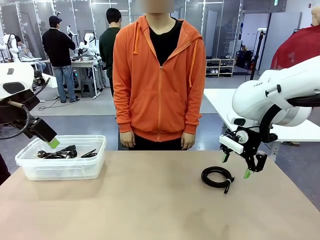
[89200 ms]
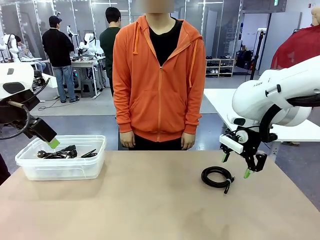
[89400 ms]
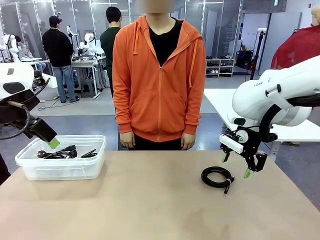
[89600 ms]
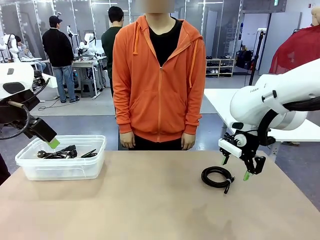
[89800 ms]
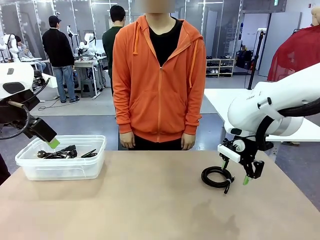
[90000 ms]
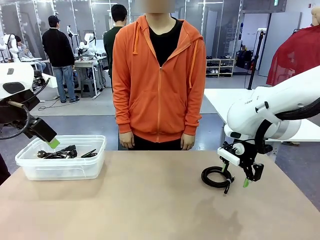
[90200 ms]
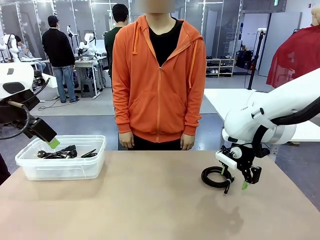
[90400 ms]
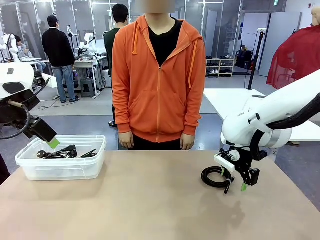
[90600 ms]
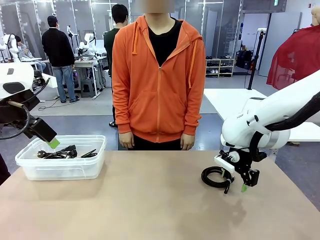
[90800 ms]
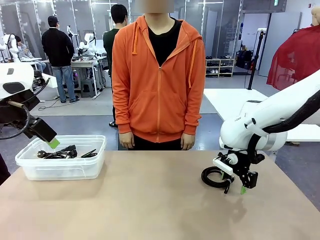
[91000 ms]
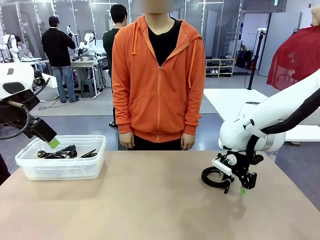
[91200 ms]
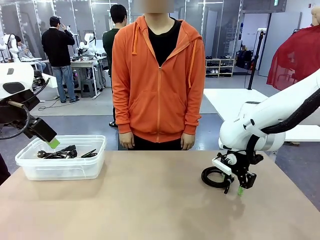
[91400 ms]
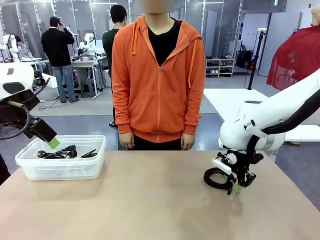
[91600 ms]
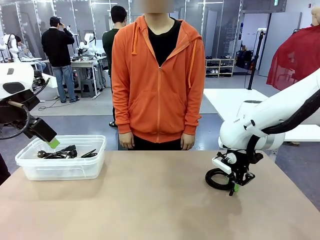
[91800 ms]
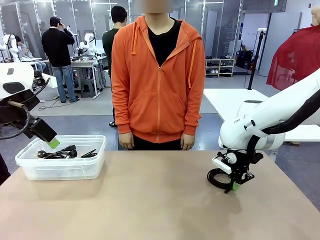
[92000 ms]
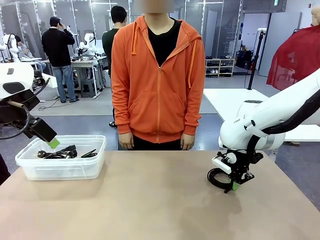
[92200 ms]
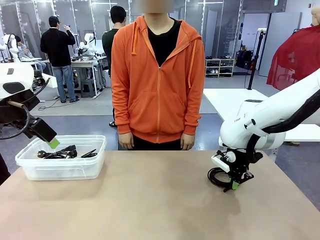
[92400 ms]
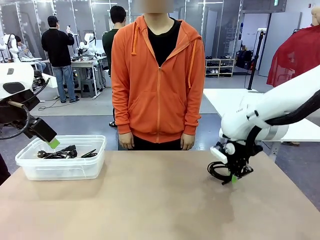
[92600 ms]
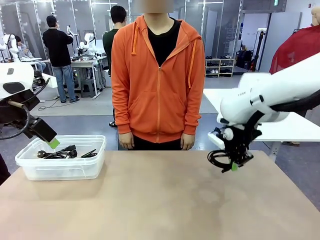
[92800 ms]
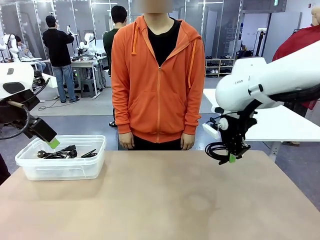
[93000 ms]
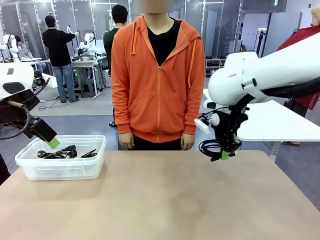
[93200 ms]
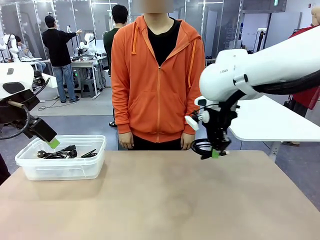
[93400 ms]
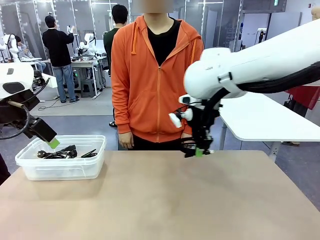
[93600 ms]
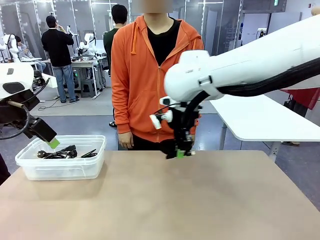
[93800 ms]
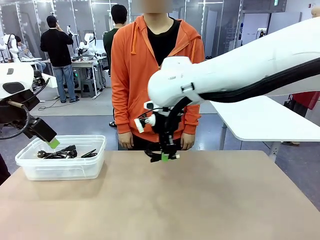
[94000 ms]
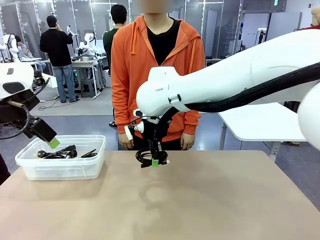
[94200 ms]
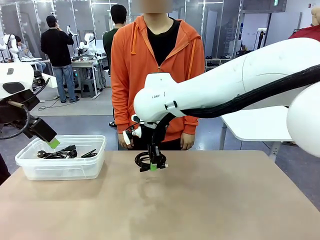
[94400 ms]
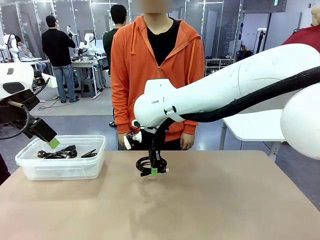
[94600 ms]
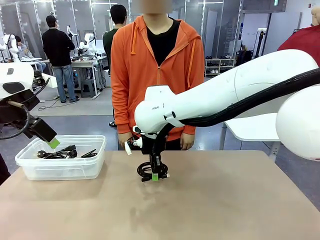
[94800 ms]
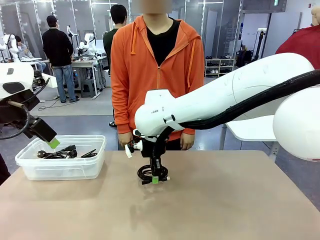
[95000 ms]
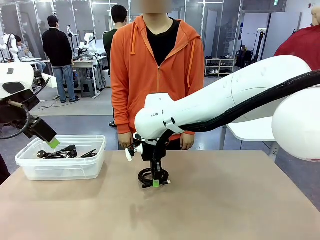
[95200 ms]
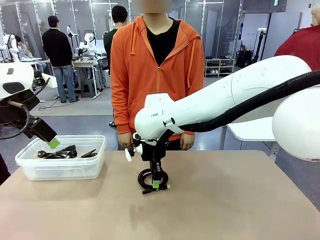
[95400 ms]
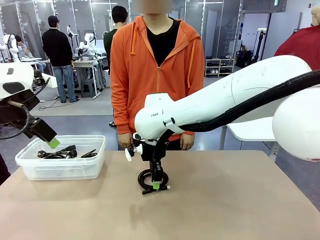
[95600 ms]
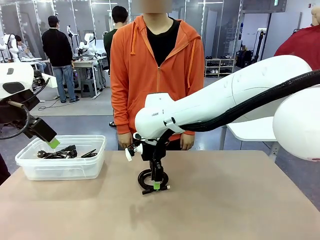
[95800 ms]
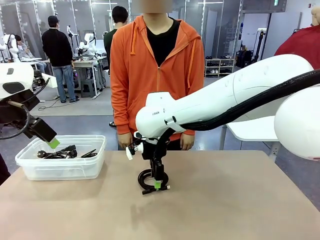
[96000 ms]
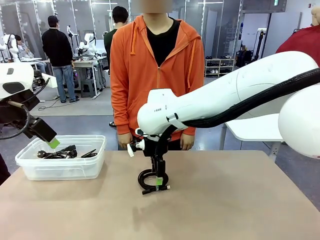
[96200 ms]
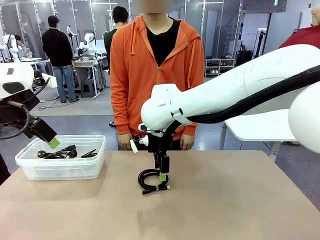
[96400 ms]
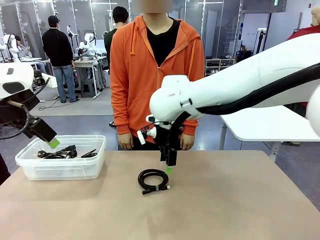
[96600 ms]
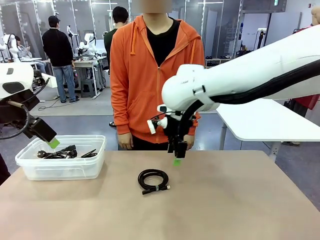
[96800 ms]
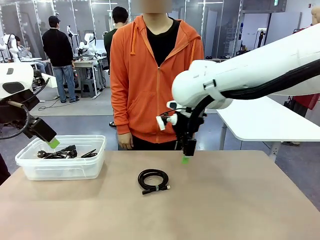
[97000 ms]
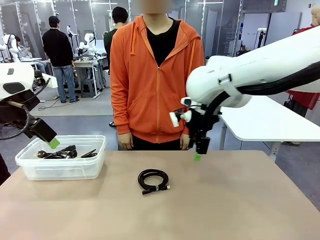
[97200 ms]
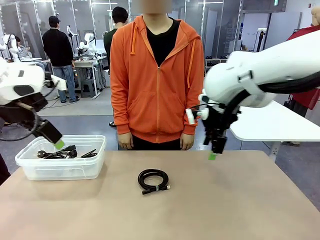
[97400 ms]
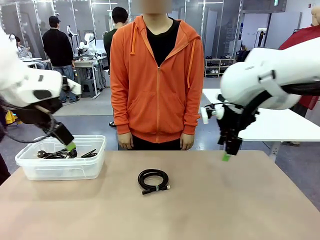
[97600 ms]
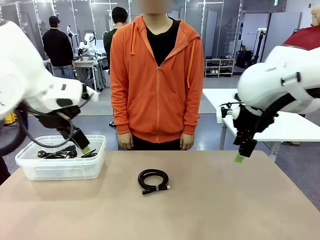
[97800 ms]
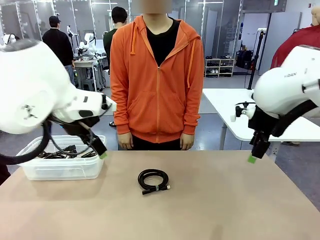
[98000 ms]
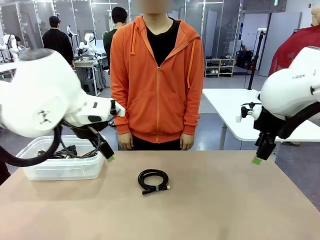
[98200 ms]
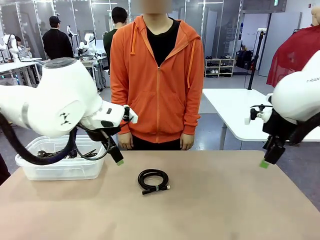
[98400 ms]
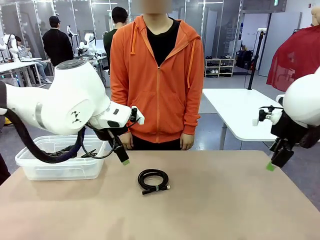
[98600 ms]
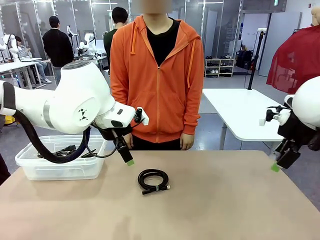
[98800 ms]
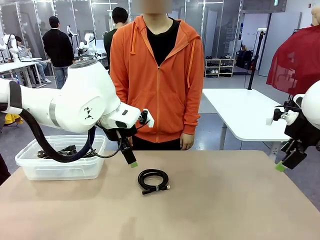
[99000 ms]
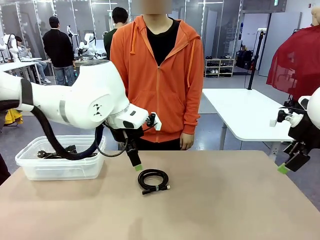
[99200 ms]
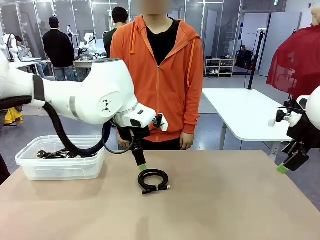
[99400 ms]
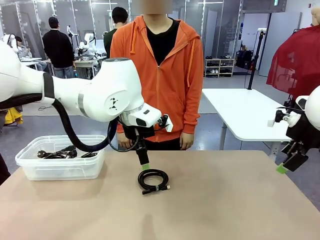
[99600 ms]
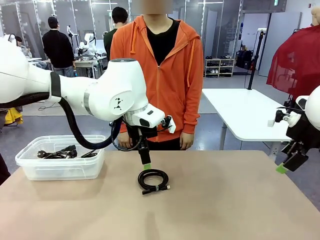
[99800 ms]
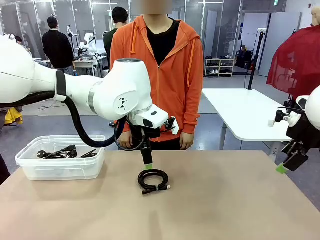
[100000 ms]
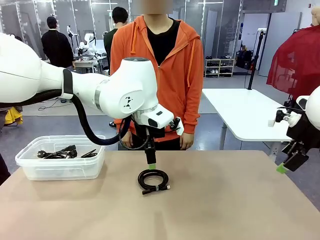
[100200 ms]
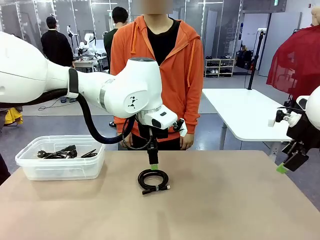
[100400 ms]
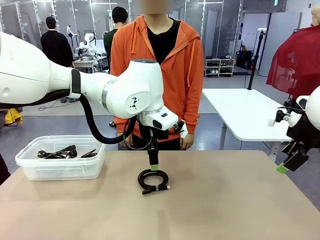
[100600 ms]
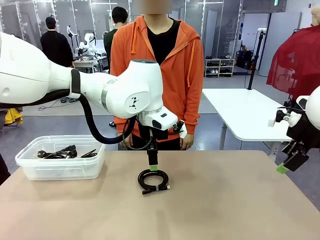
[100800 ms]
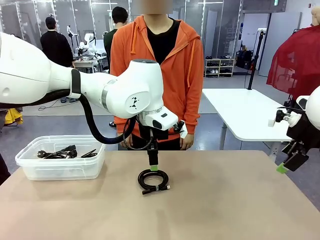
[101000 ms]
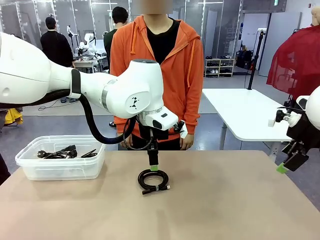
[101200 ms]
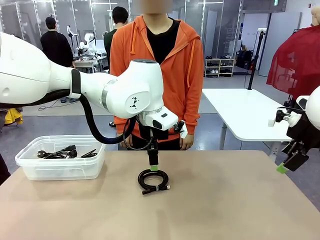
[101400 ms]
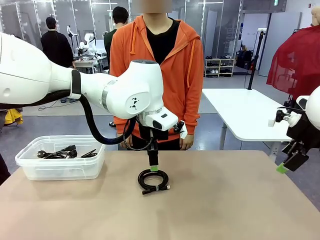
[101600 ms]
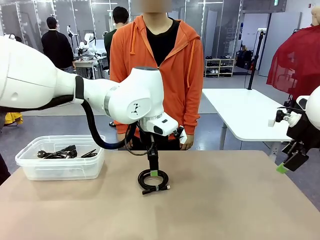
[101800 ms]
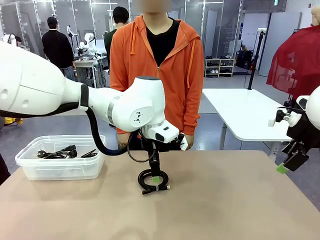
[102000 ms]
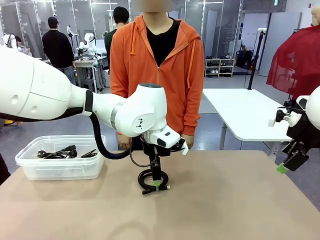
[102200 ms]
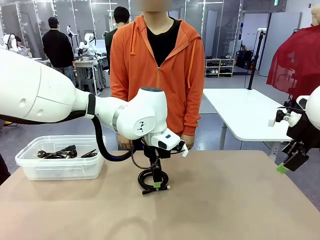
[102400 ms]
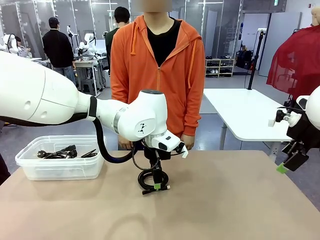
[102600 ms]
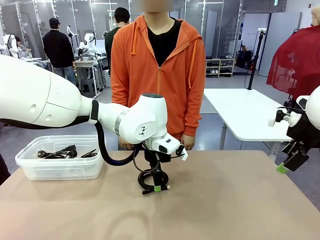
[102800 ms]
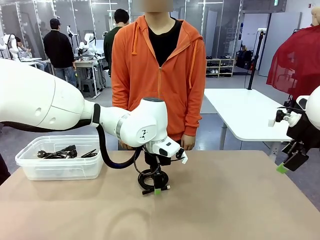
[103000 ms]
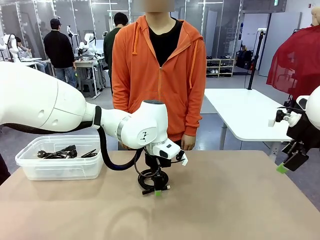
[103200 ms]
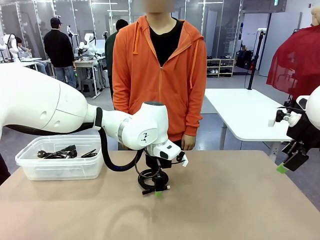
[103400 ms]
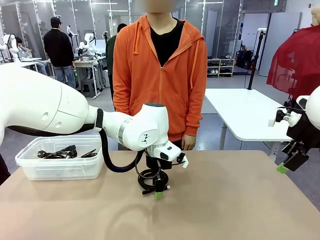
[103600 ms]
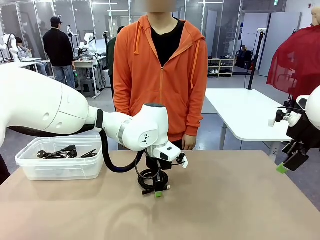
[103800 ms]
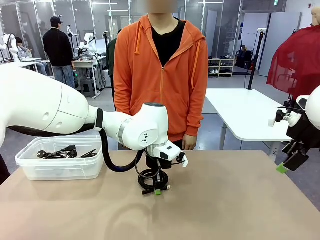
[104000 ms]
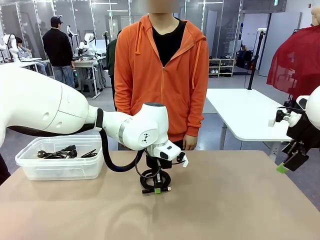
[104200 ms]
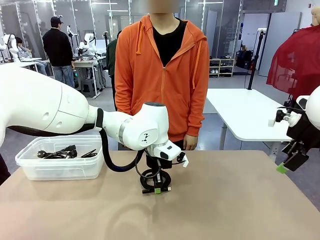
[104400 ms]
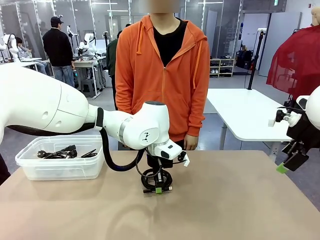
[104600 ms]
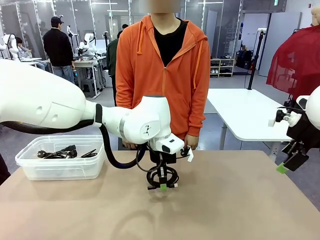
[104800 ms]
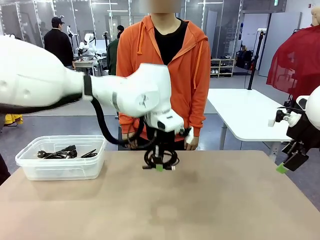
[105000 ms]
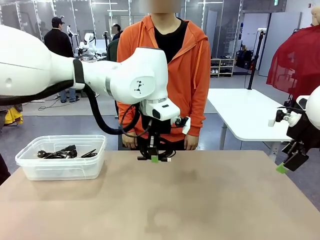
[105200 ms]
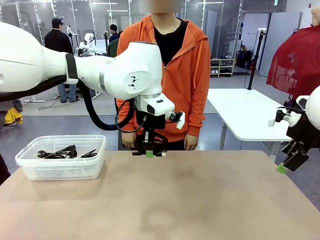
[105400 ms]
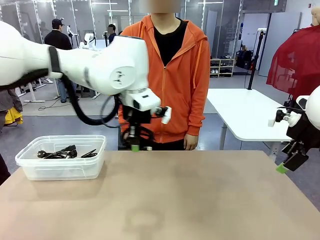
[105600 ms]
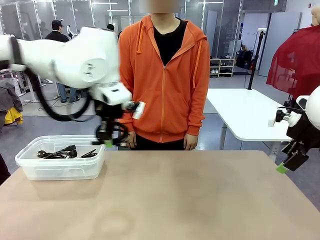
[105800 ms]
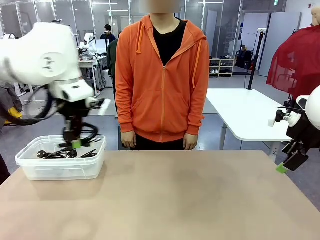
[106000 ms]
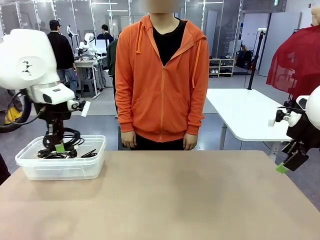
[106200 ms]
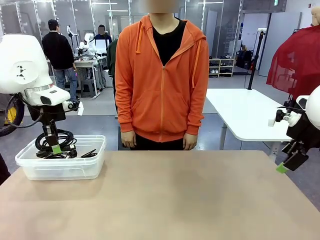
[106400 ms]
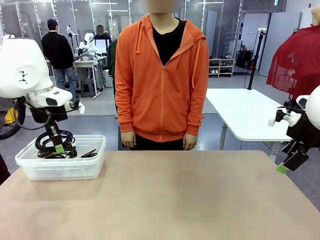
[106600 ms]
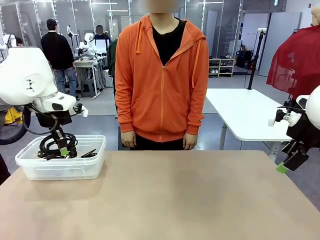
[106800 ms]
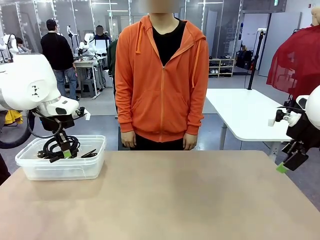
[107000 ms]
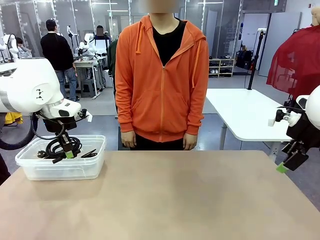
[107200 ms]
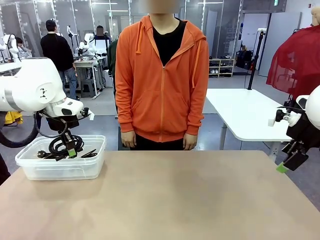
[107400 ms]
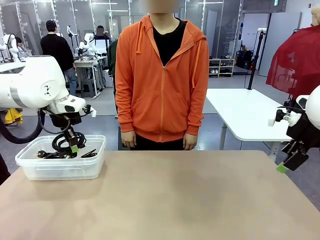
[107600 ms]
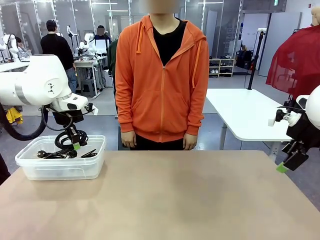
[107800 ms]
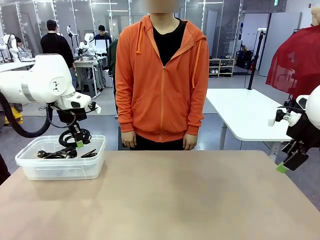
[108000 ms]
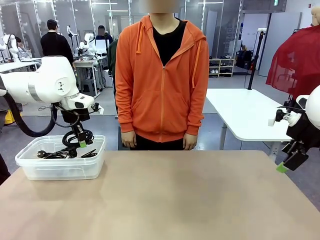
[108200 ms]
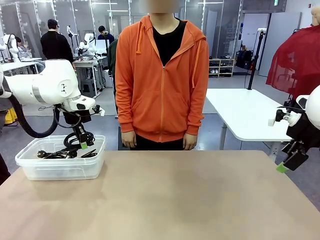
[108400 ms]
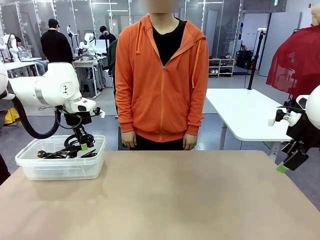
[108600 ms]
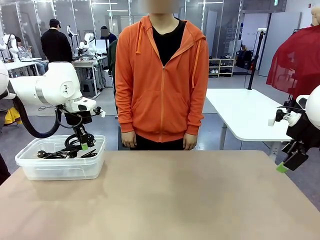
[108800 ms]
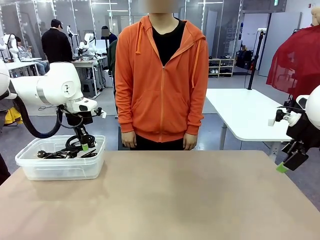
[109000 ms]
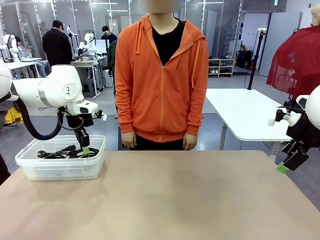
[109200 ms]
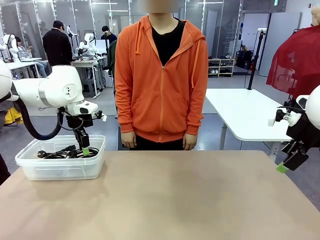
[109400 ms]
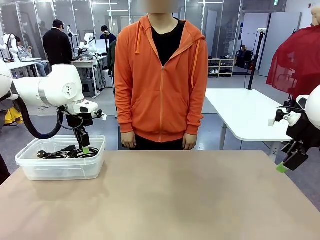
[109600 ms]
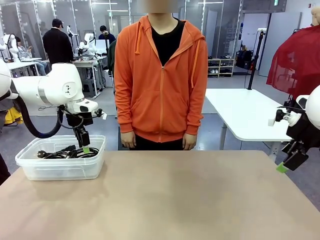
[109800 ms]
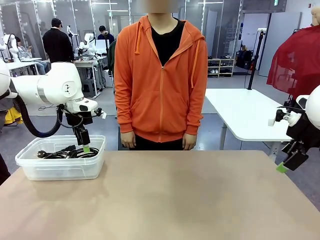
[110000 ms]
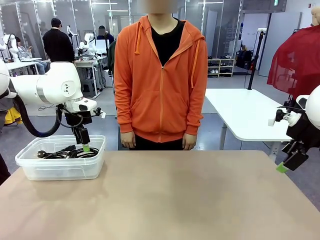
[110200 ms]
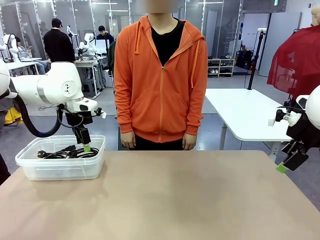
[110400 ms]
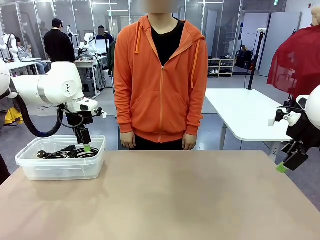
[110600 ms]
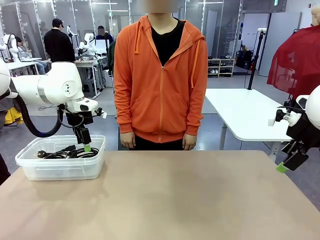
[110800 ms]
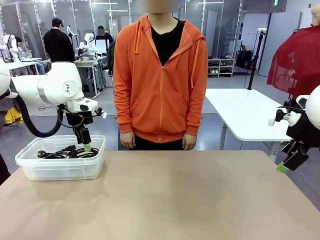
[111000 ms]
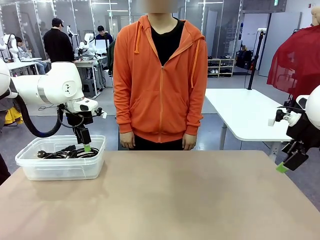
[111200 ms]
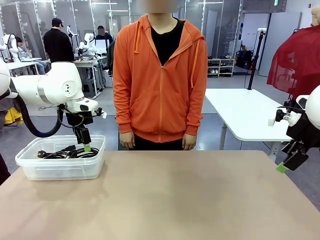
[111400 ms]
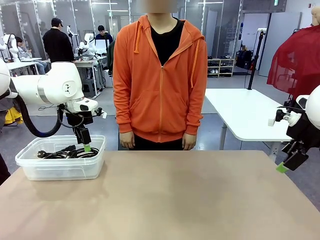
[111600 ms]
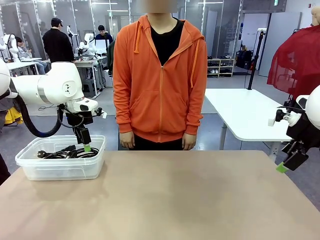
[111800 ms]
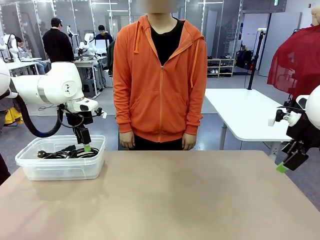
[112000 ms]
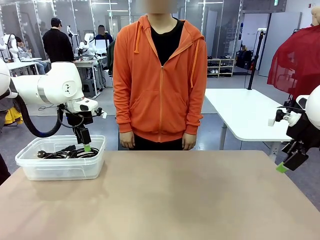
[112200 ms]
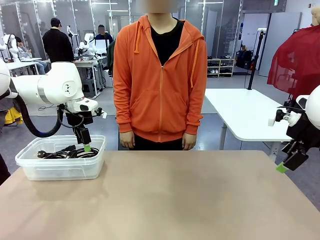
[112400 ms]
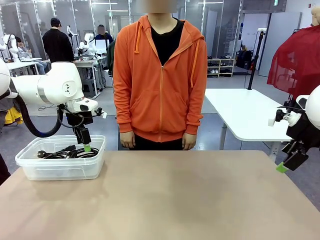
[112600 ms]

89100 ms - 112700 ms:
Task: Organize and store the cables.
Robot: Place the USB Extension Cable into the Organizing box.
